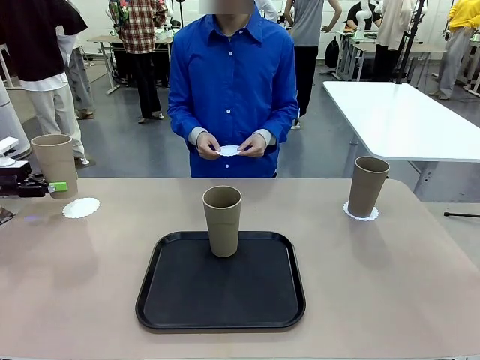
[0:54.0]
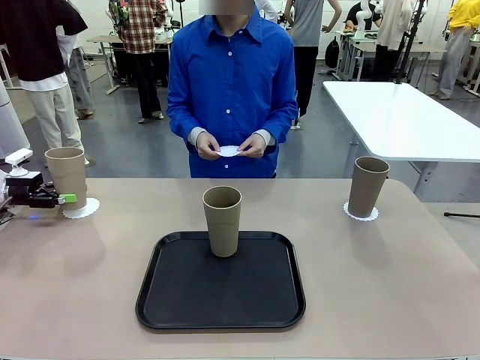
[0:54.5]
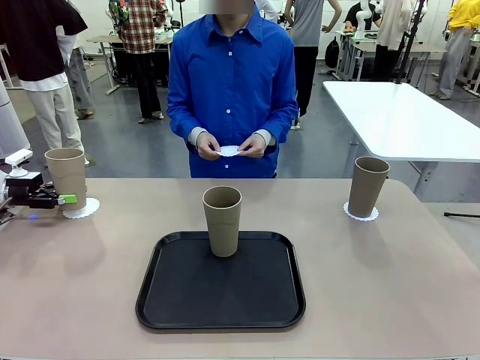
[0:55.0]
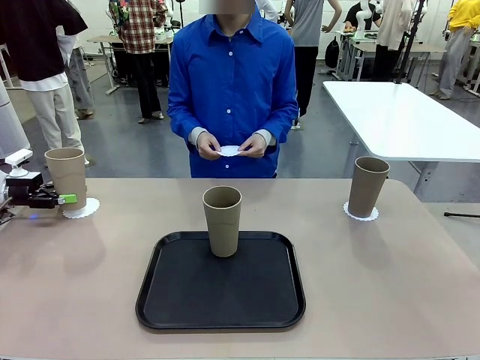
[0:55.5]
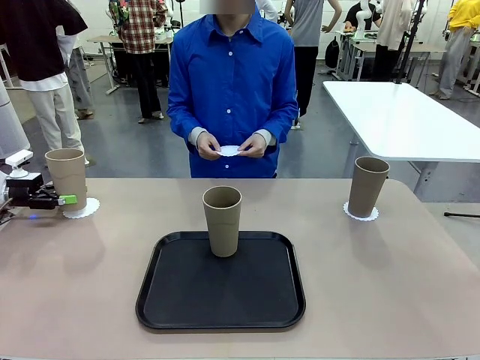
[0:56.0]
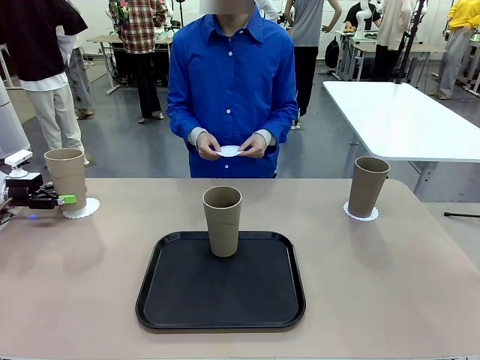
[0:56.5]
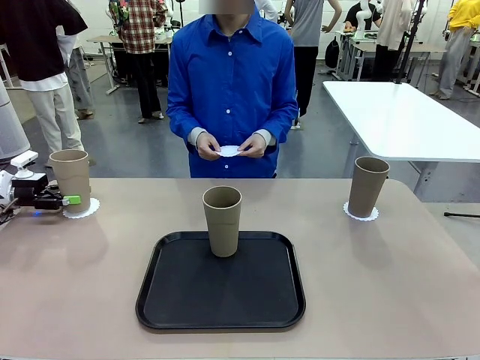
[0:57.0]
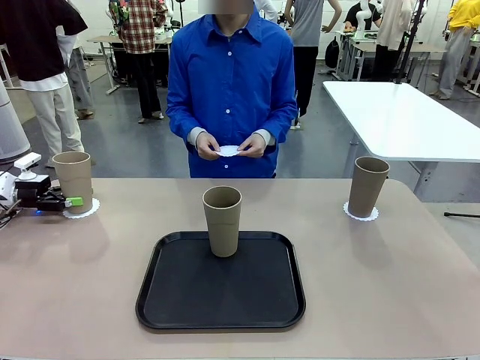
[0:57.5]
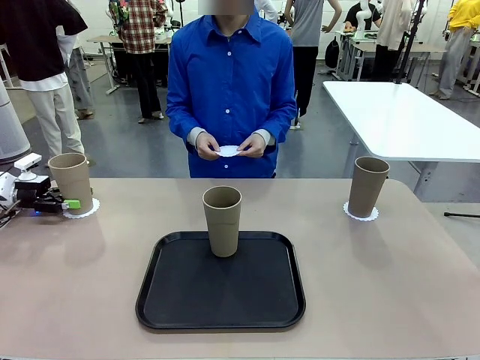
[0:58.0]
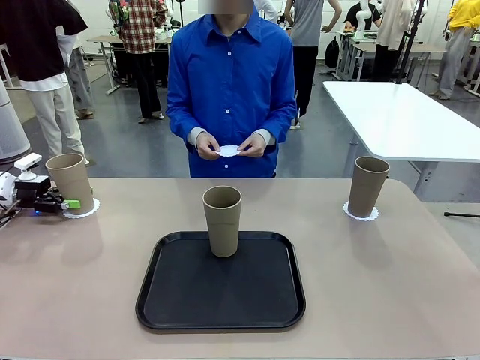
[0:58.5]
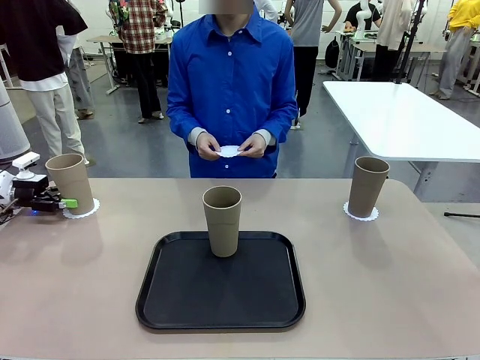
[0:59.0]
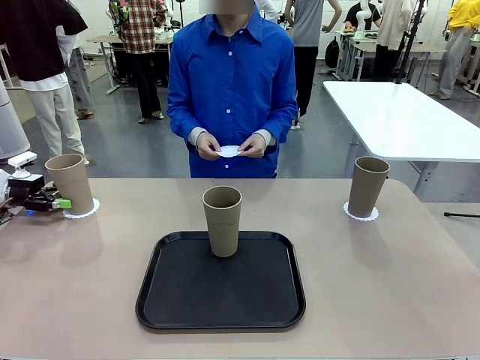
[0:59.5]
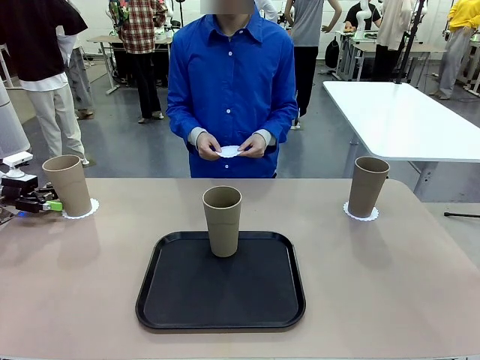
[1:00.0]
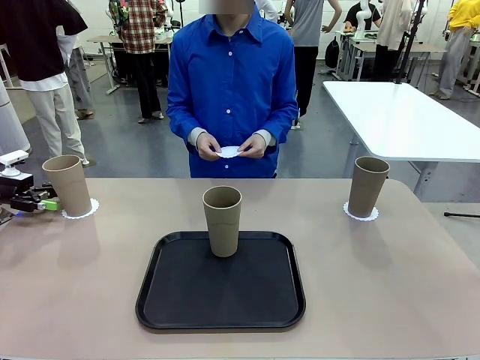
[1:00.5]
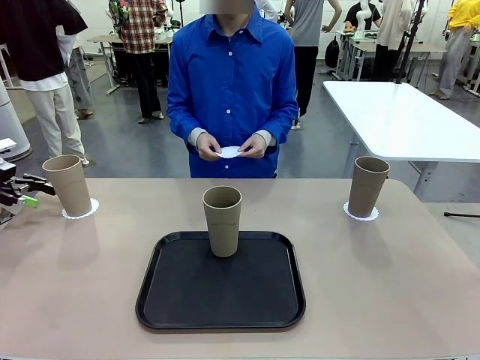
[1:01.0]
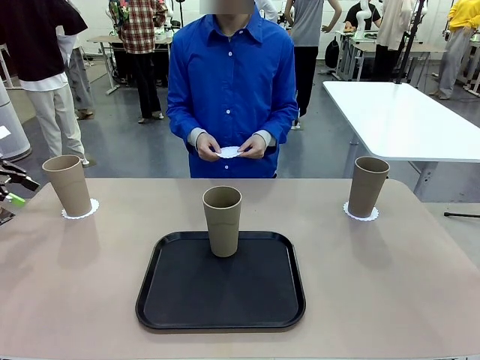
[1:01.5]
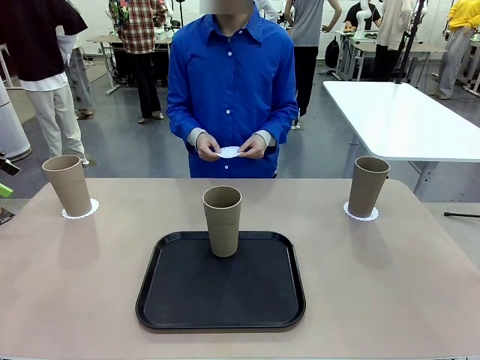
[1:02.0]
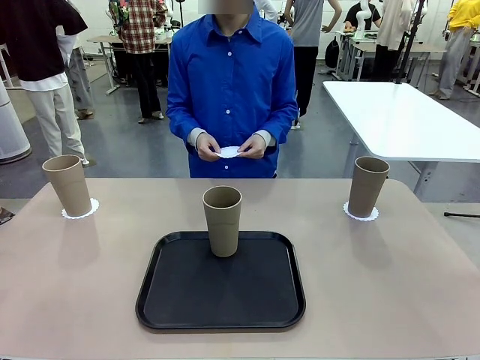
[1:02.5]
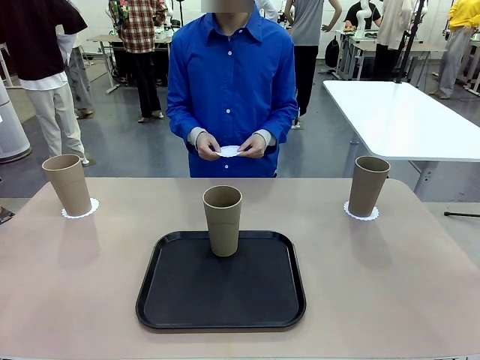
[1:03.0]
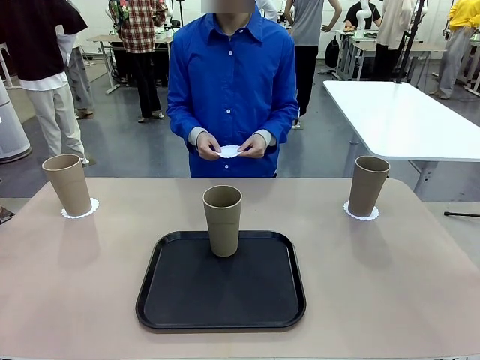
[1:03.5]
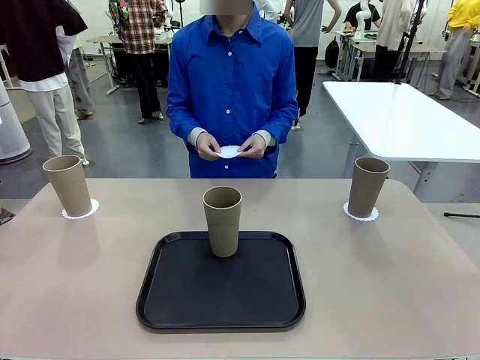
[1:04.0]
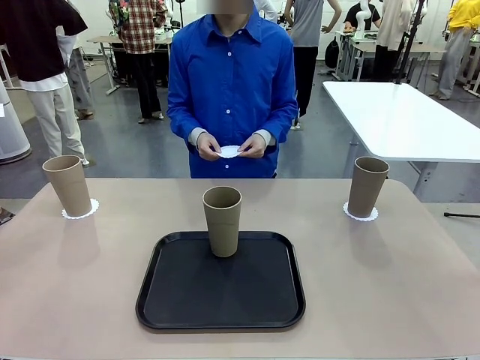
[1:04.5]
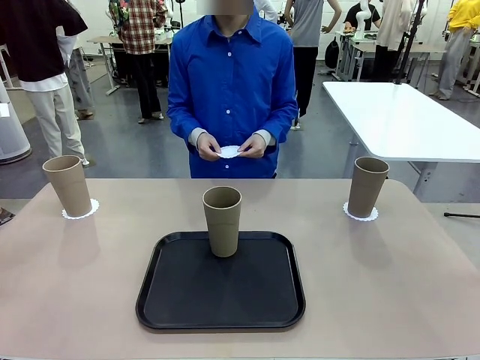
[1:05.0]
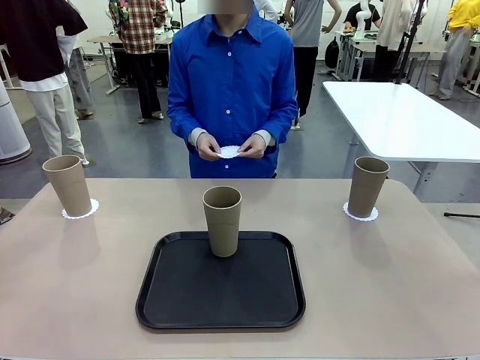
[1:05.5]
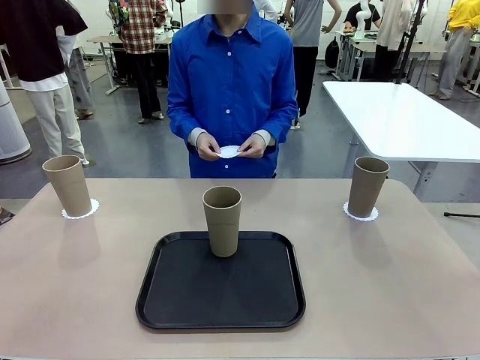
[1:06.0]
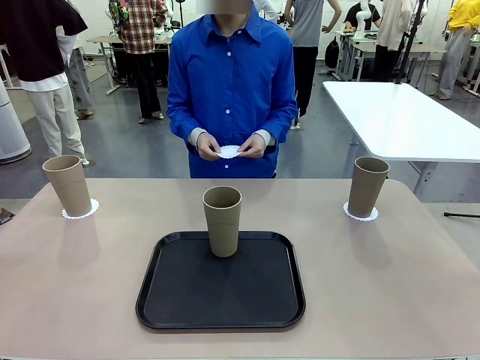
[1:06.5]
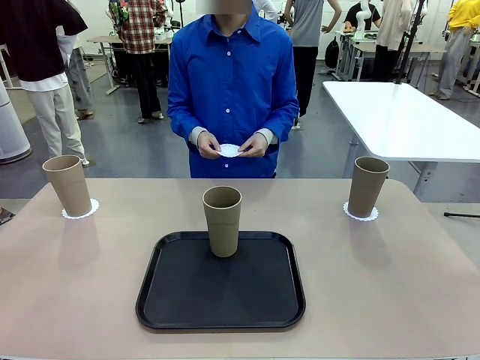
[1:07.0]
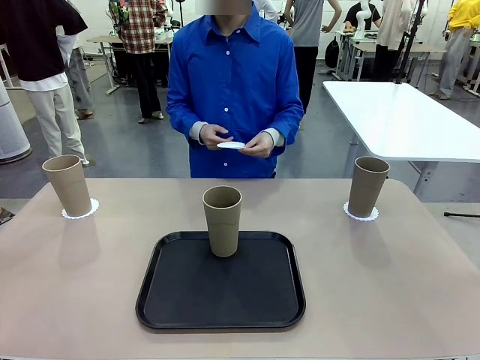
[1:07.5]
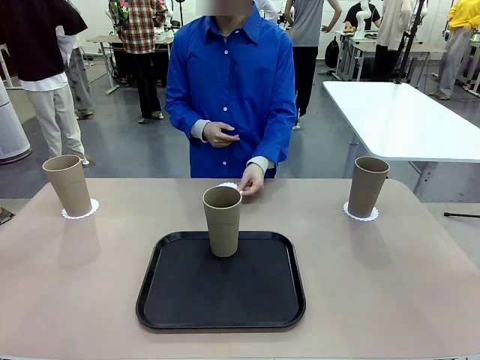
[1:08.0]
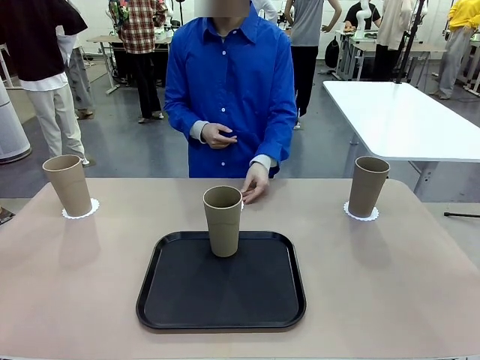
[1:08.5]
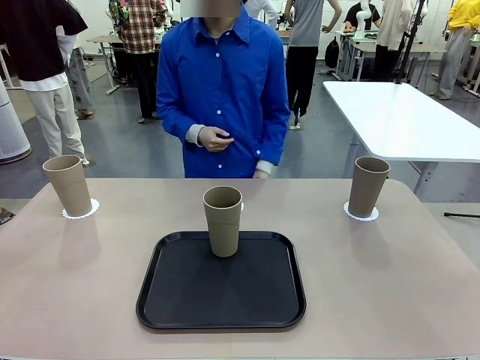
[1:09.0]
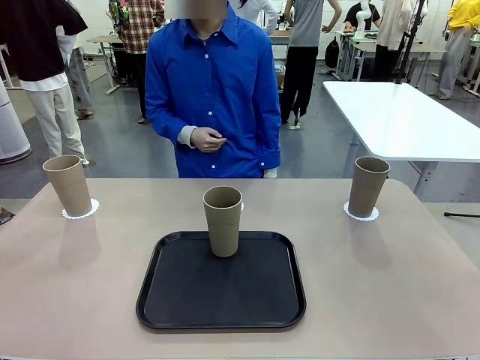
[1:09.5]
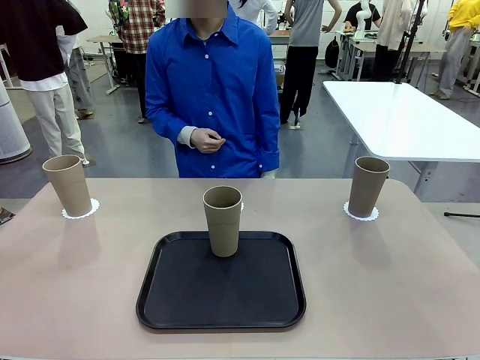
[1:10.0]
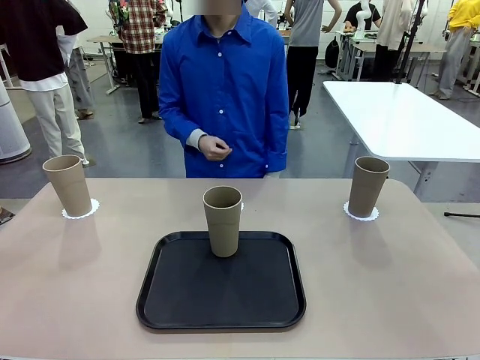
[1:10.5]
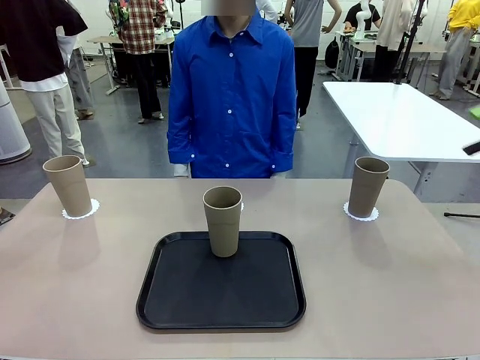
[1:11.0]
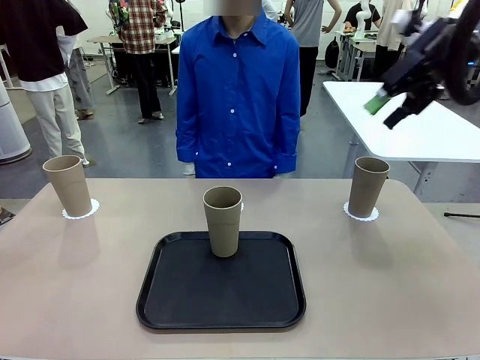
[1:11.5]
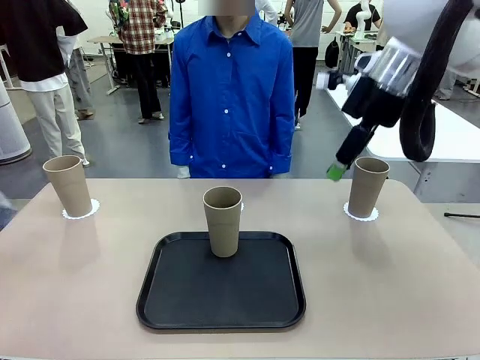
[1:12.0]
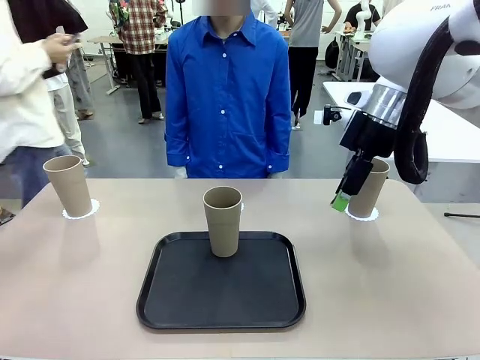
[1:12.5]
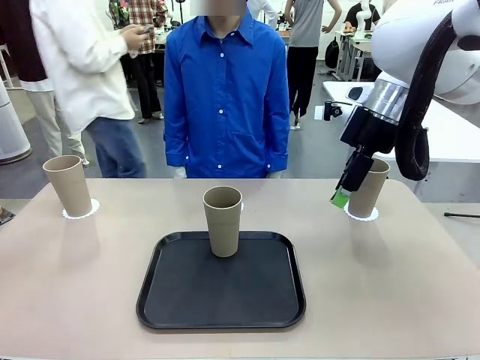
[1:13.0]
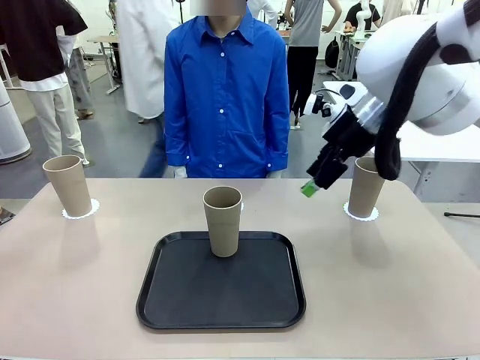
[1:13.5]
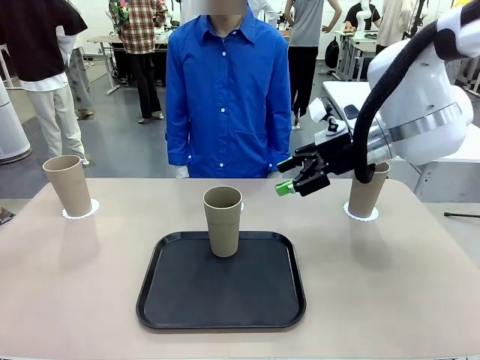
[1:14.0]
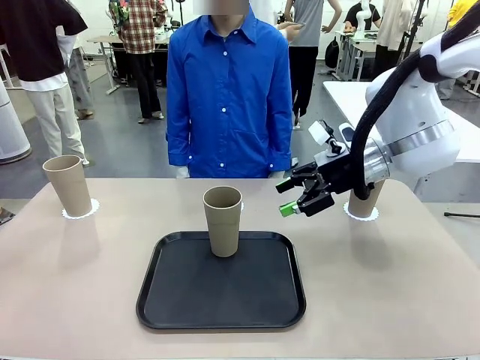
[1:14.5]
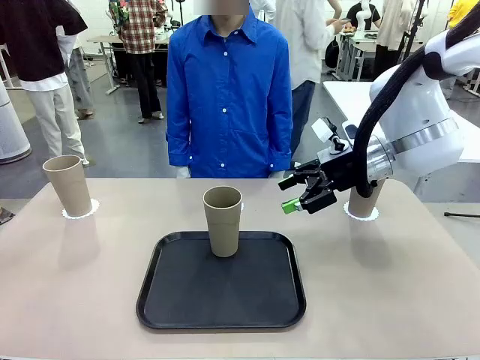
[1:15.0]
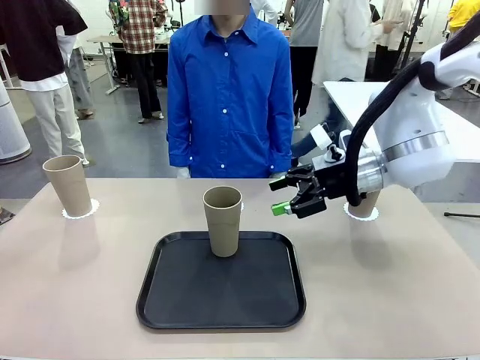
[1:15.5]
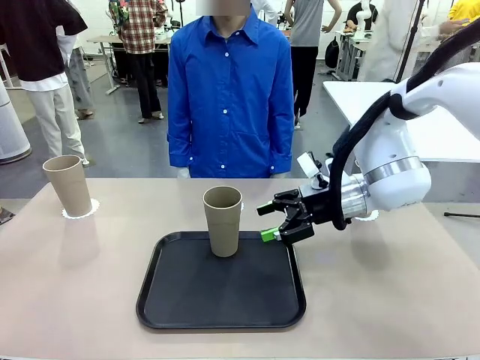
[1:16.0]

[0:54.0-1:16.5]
Task: Place coasters on the table and set cups on them.
Robot: Take one Reusable plastic cup from the Flat Tray and place it on a coaster set by the human.

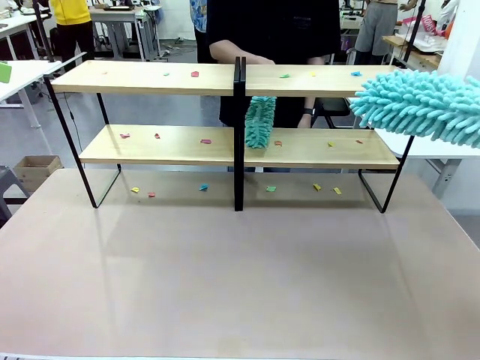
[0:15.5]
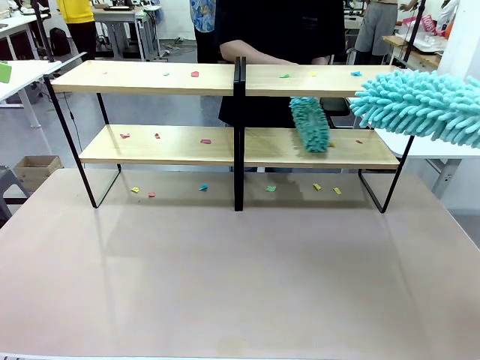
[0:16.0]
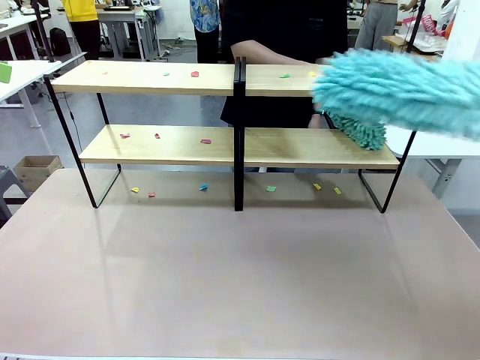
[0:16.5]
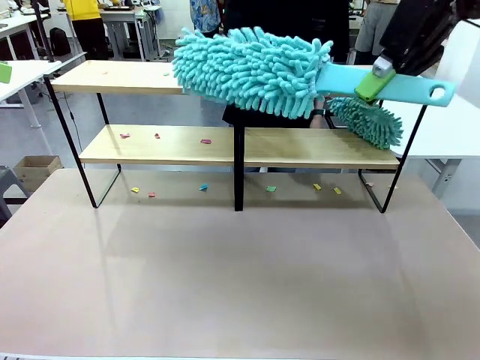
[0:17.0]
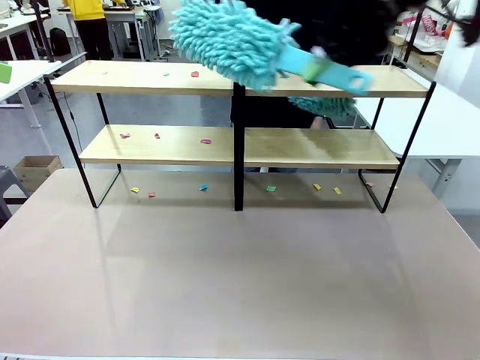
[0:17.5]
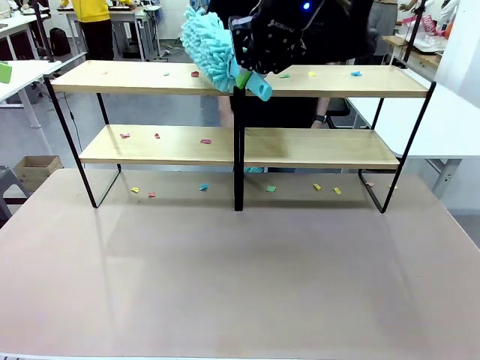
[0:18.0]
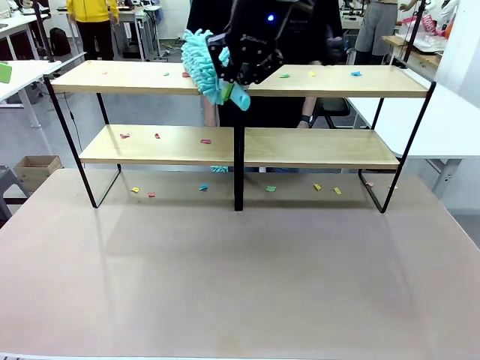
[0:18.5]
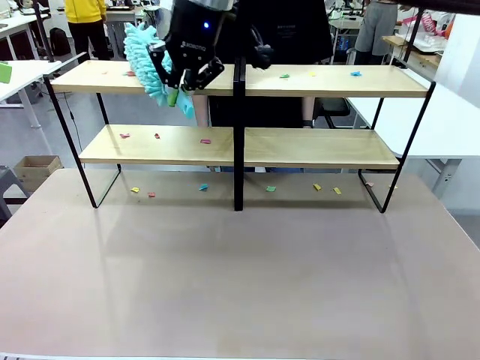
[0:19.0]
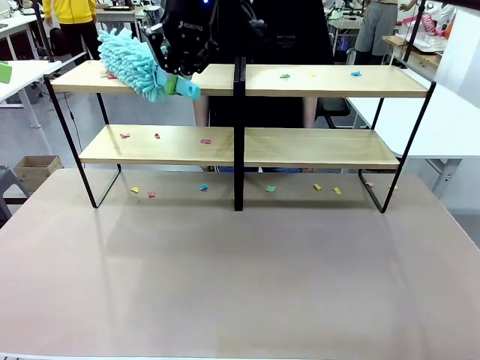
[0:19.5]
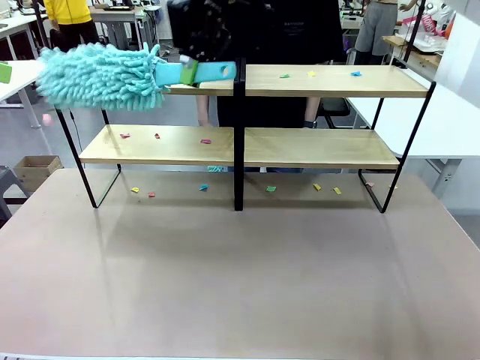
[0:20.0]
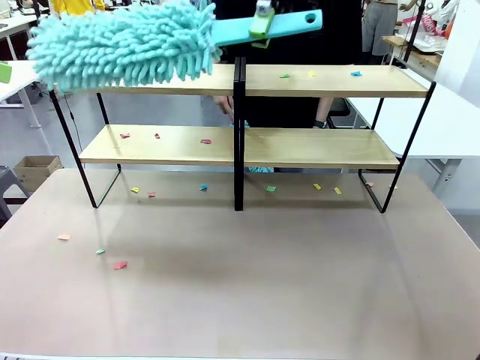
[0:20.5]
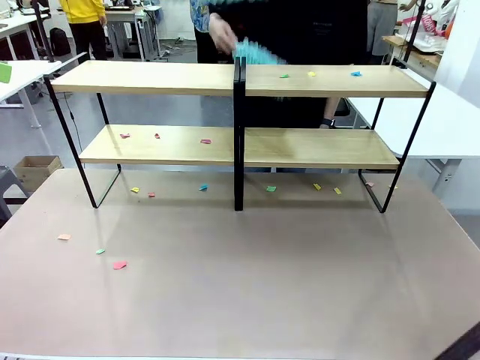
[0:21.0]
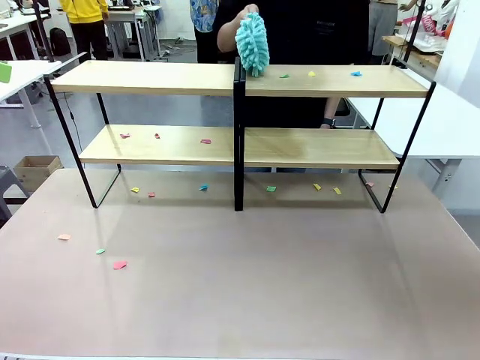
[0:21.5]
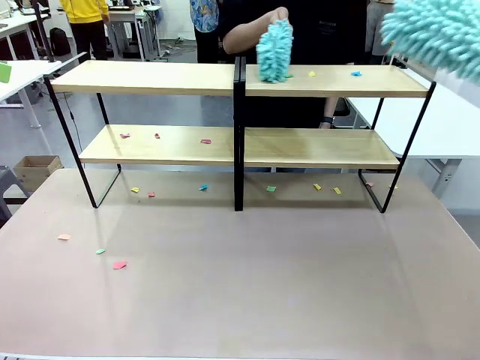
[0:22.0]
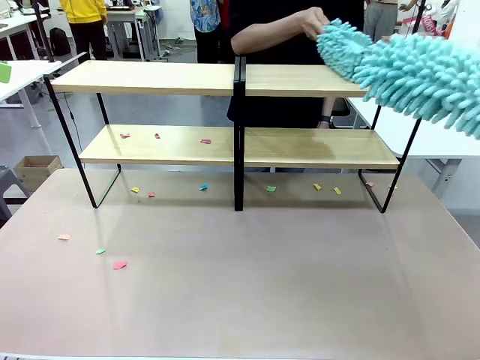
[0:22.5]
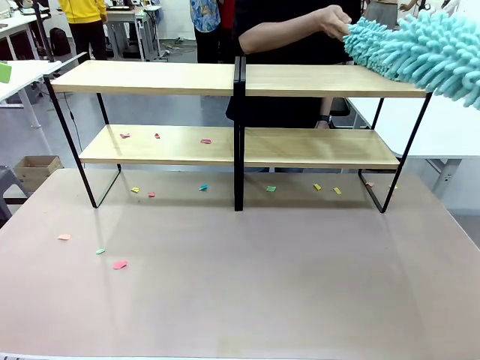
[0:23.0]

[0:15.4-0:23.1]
Task: Clean the shelves.
Robot: Clean a randomly selected level of the Shelf with the Duster.
